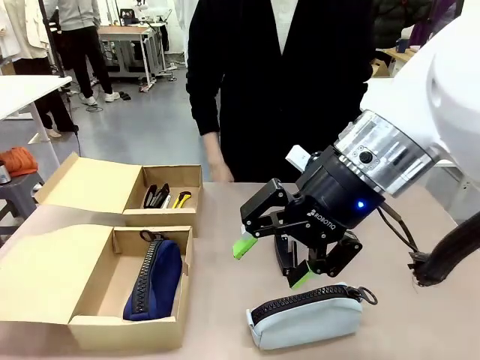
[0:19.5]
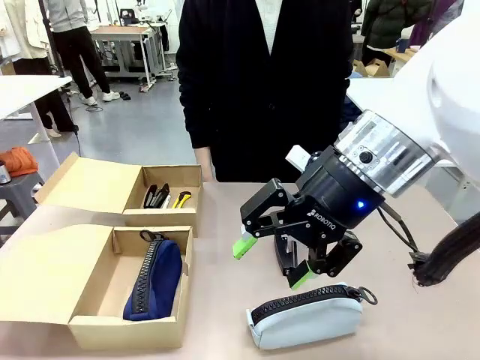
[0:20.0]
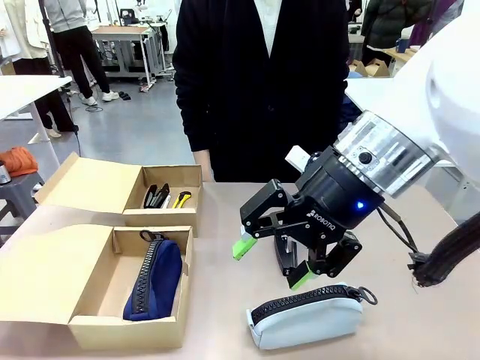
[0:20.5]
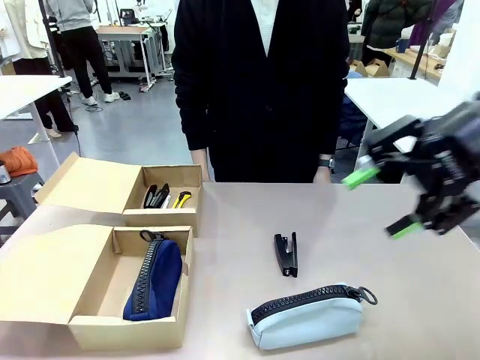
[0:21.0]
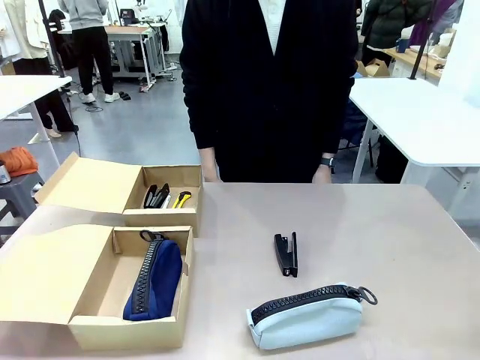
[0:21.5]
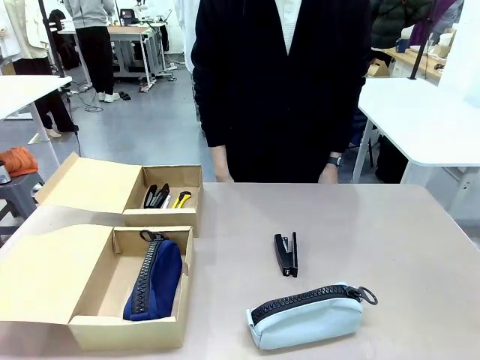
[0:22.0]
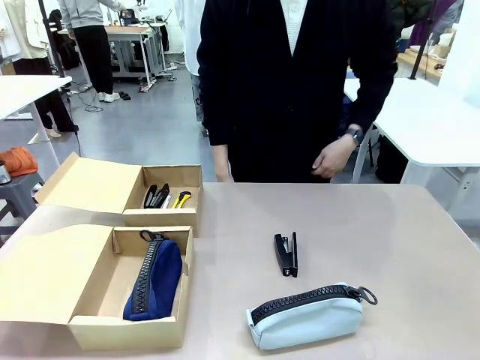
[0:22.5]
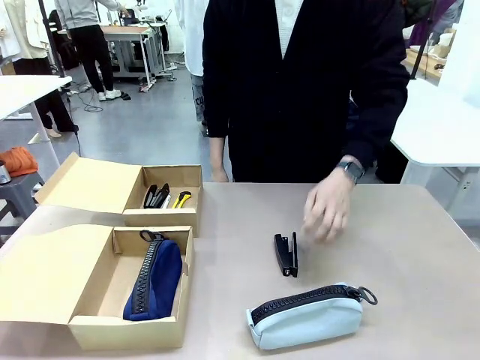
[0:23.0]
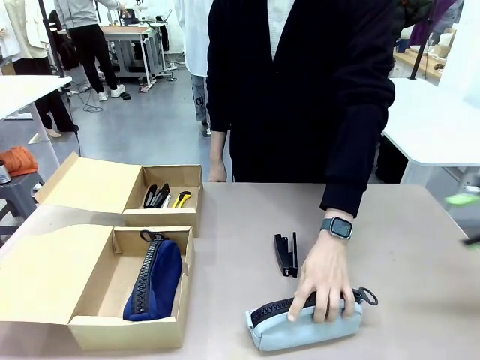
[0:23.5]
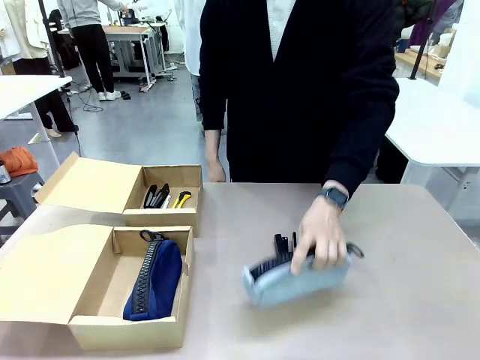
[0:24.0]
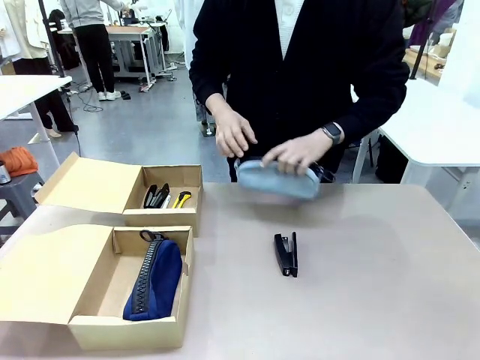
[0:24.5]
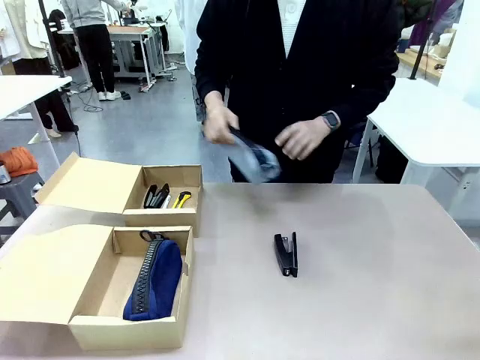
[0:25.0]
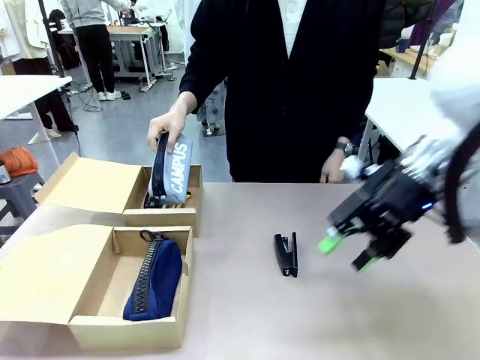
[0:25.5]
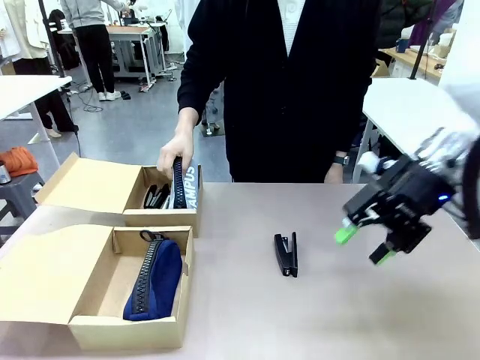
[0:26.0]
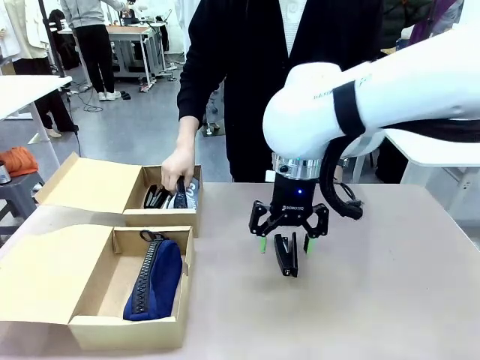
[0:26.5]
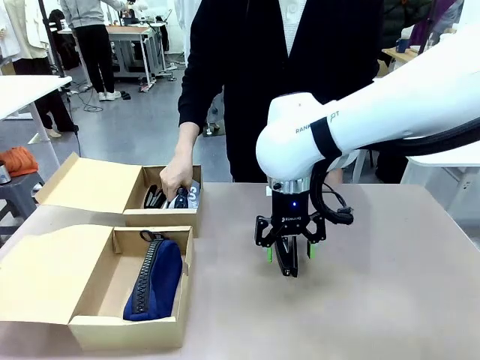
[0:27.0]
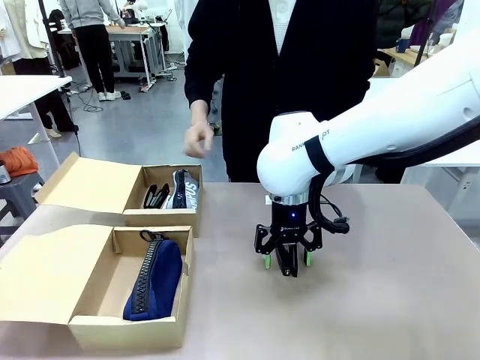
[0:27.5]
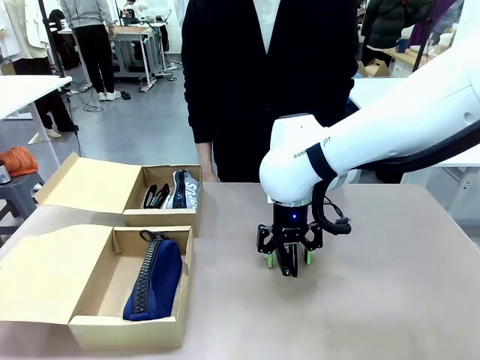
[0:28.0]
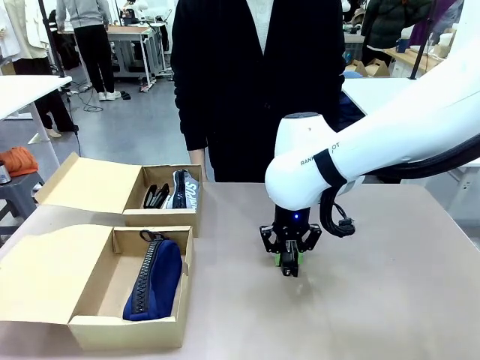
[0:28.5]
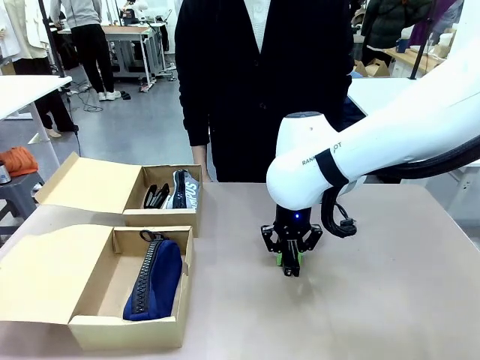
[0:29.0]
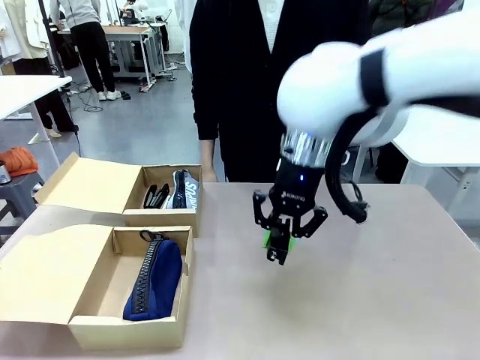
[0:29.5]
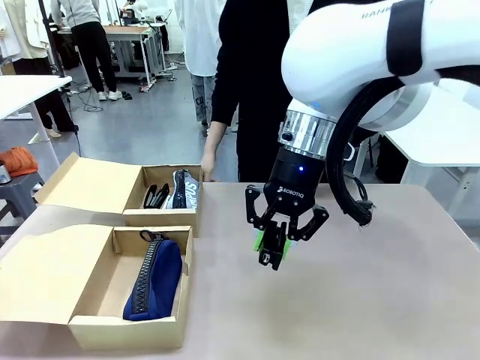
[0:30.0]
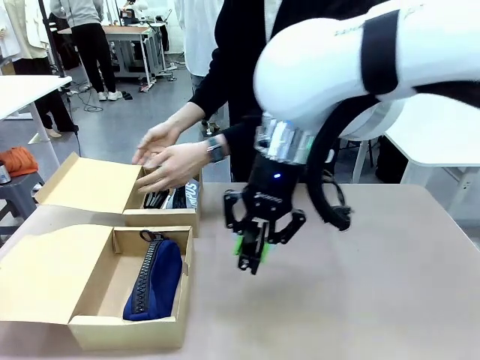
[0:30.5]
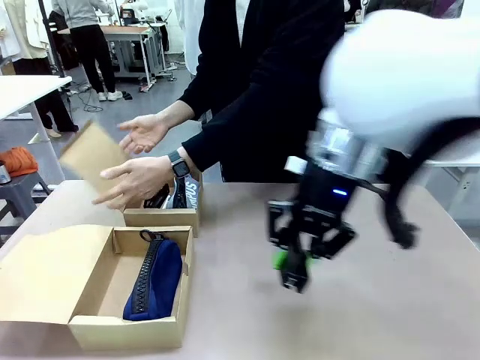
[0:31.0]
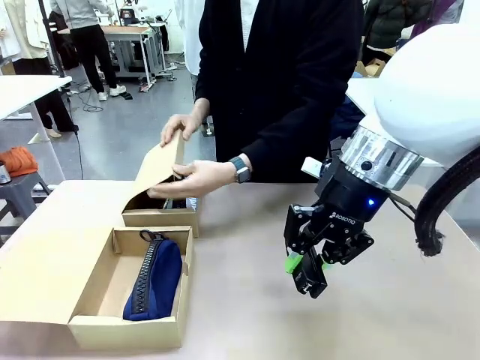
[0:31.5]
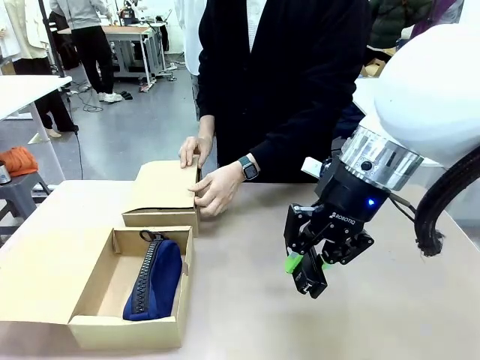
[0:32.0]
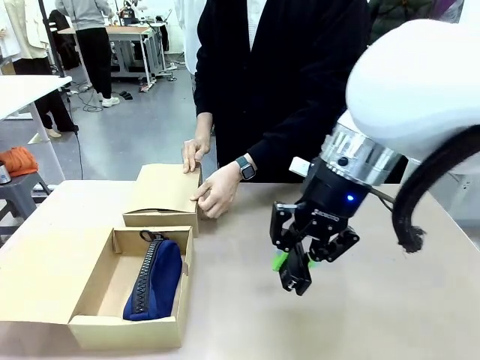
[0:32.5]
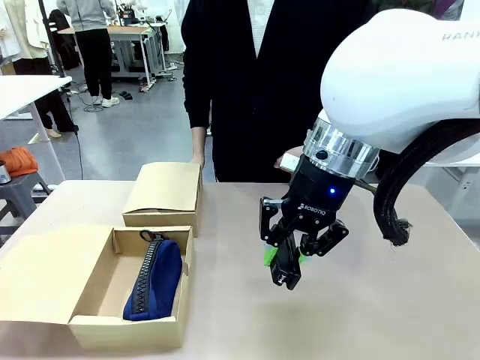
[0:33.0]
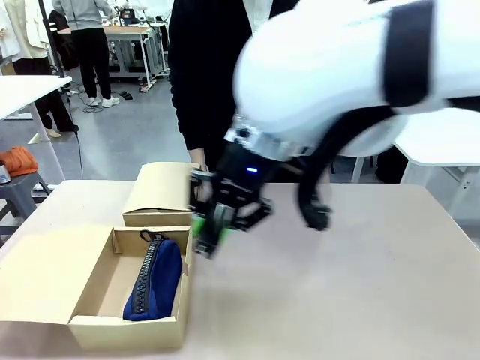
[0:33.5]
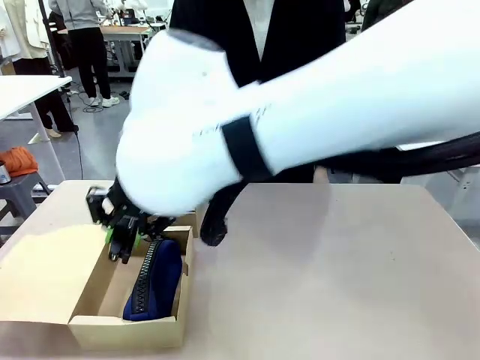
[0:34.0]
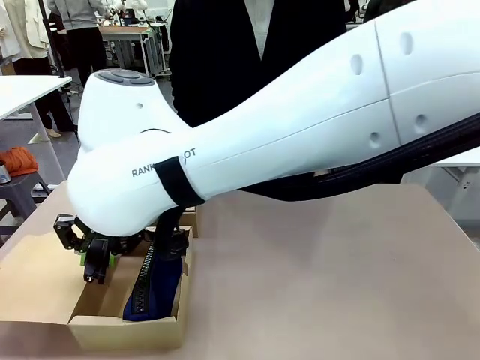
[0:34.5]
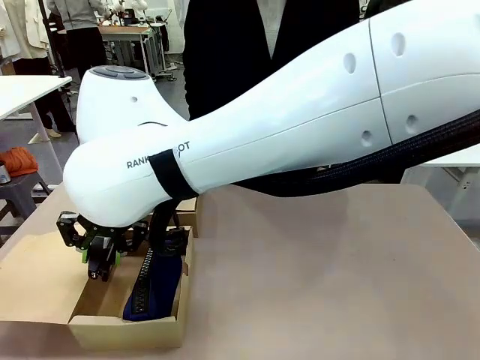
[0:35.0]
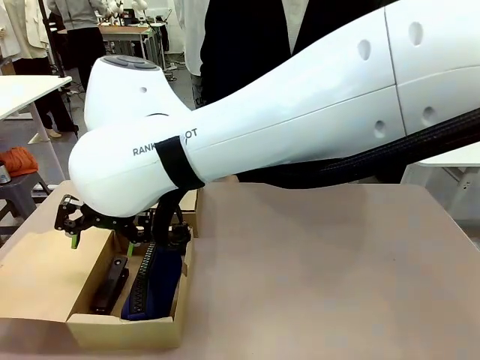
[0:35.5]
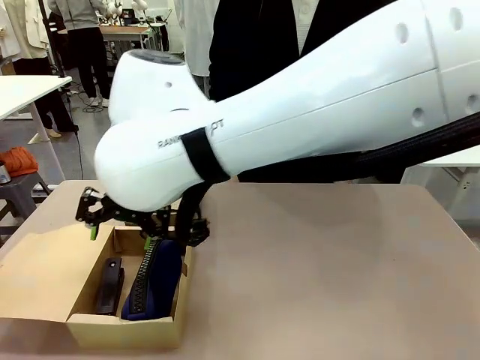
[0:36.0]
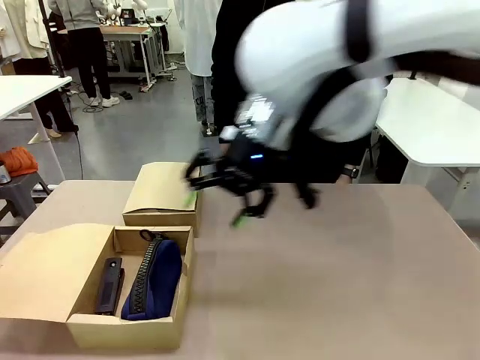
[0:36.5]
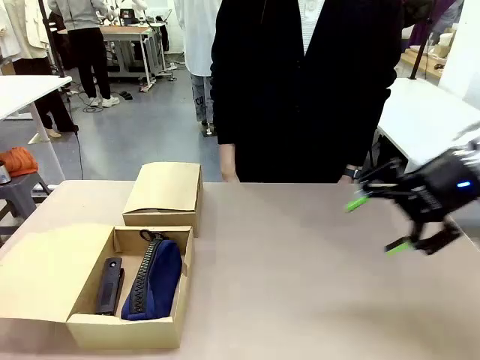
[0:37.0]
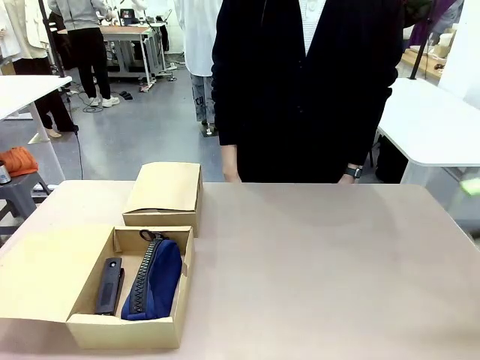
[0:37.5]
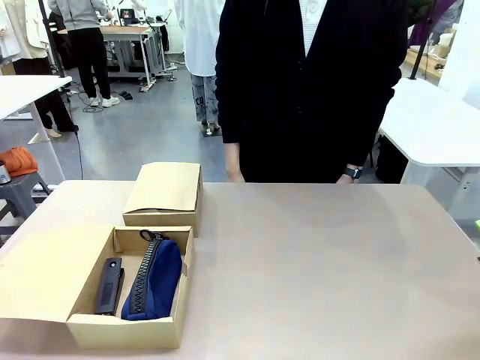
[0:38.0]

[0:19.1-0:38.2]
Task: Place items inside the box.
Robot: Pick up a Pencil pouch or Stapler and place it inside the Mailer Box closest to the robot.
Person: Close the lid of the box facing the person.

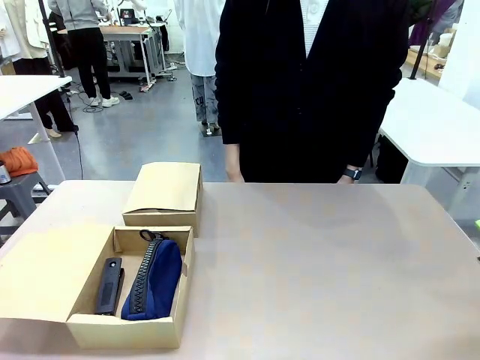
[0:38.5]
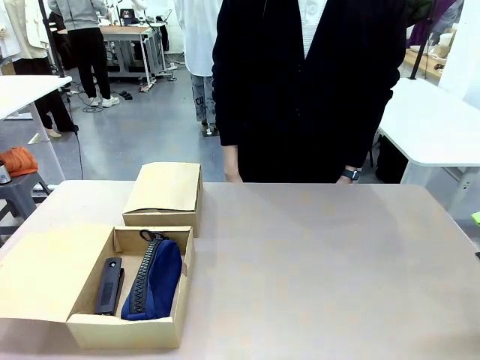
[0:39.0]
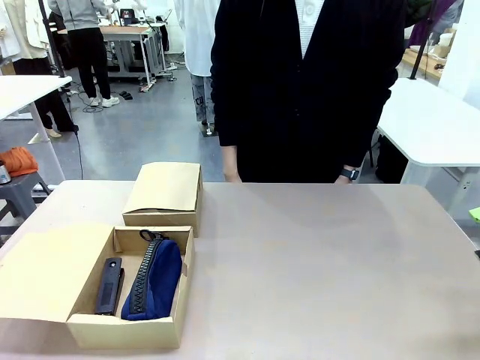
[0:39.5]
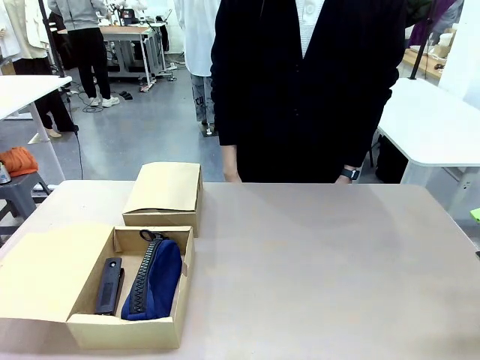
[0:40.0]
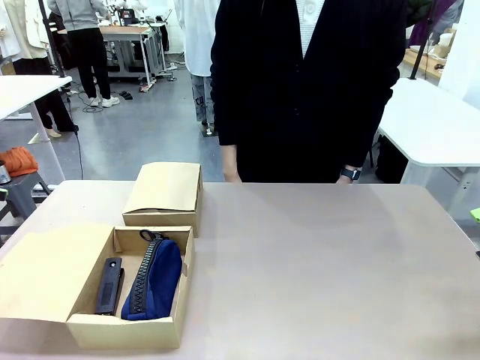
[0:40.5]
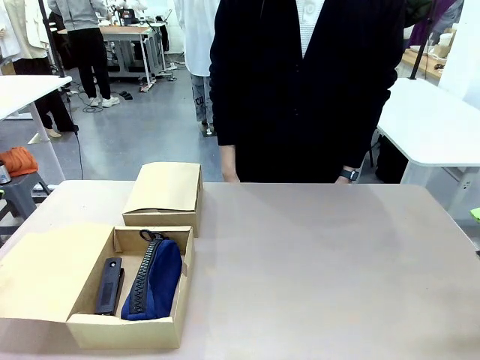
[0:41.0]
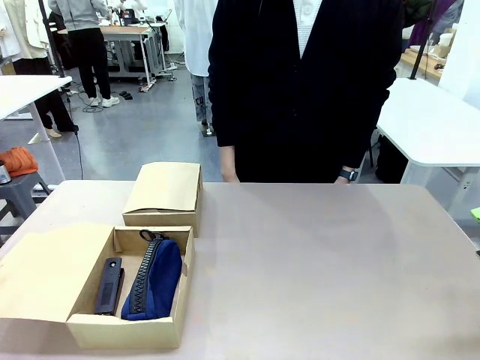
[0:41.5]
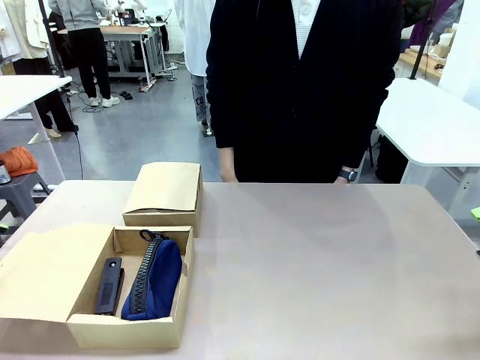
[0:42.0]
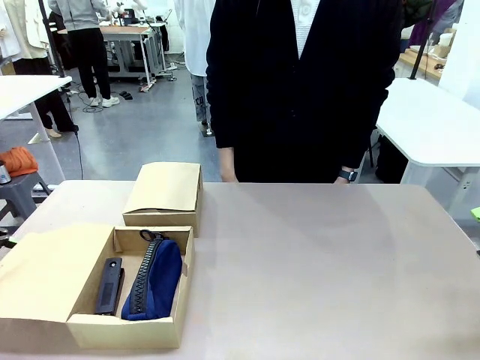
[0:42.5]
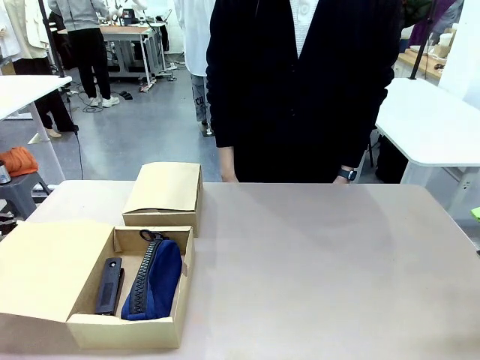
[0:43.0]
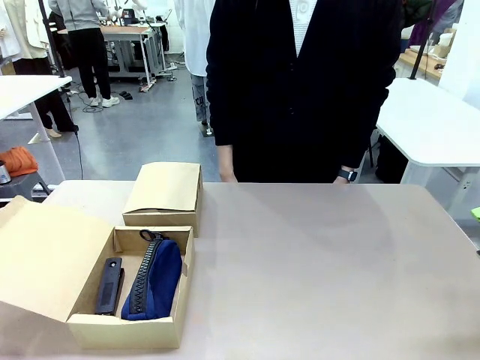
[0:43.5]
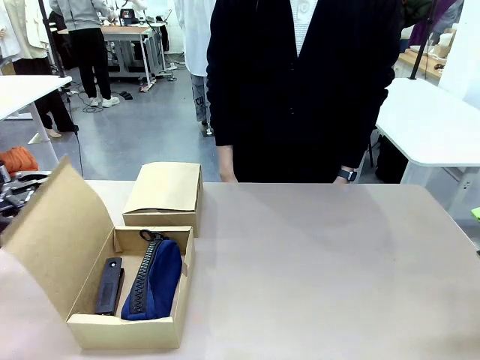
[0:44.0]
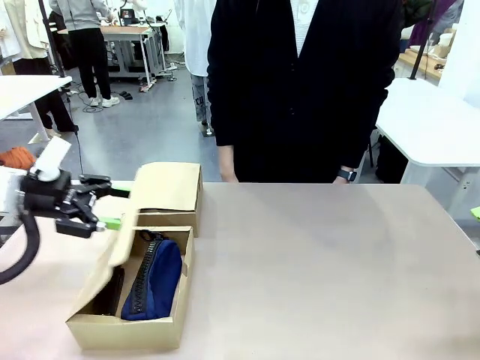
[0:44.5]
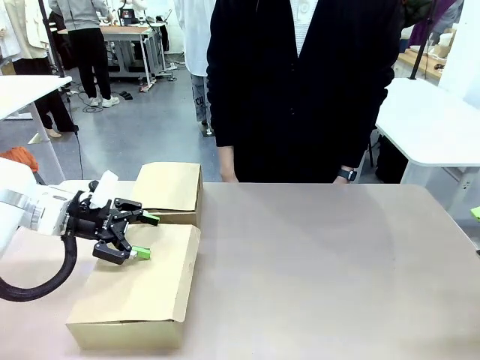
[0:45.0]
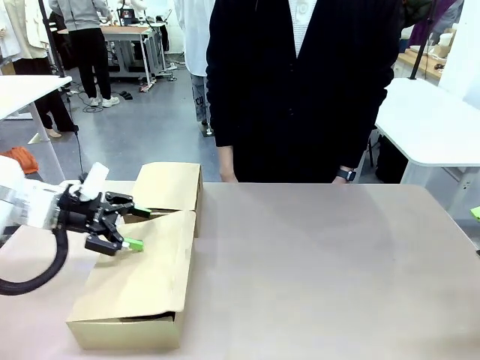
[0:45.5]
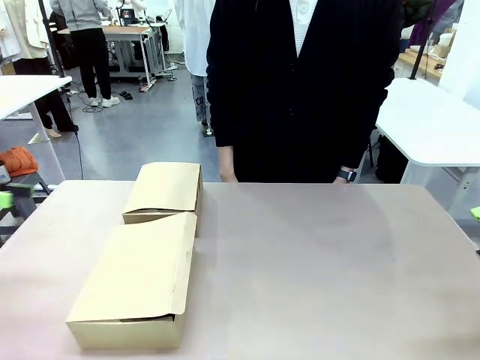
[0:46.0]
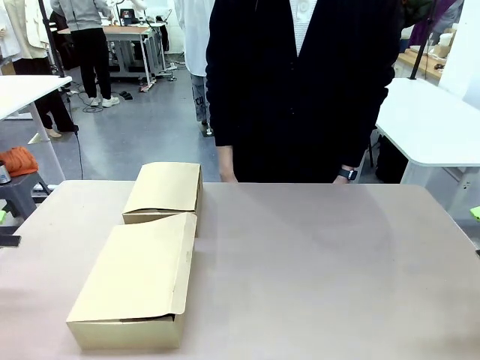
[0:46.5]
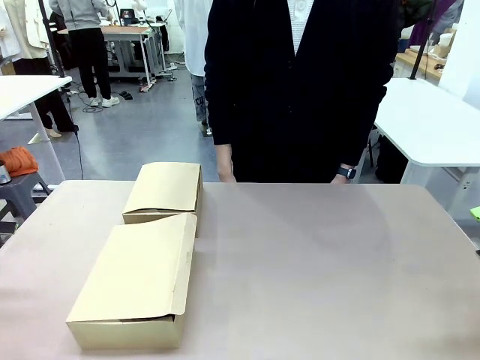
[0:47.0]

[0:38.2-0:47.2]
Robot: Close the lid of the Mailer Box closest to the robot.
